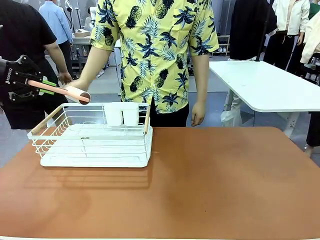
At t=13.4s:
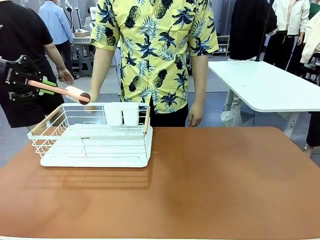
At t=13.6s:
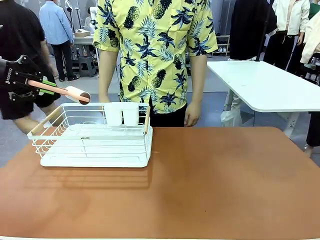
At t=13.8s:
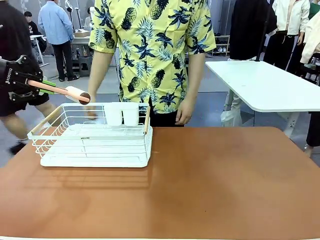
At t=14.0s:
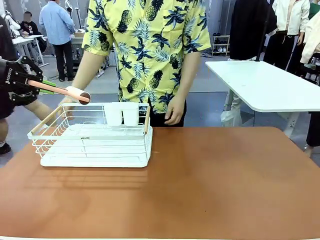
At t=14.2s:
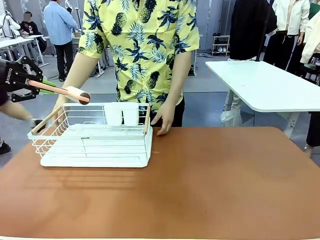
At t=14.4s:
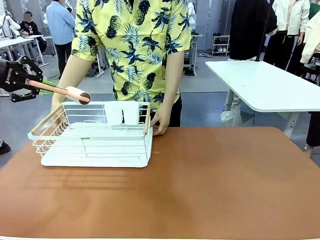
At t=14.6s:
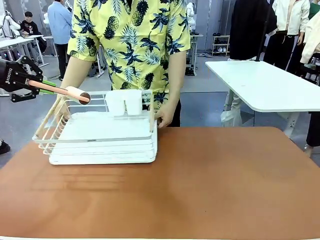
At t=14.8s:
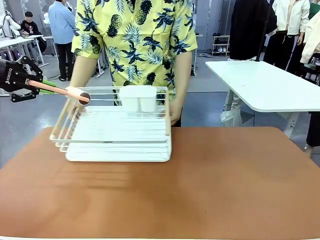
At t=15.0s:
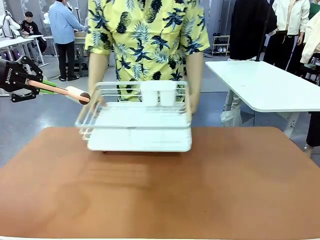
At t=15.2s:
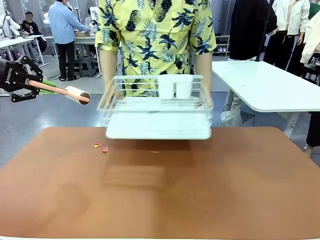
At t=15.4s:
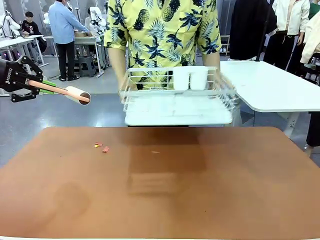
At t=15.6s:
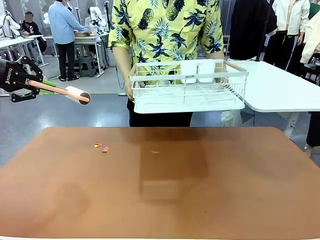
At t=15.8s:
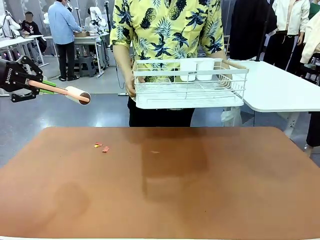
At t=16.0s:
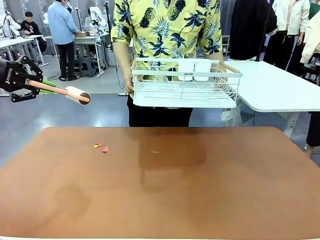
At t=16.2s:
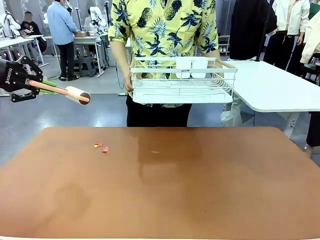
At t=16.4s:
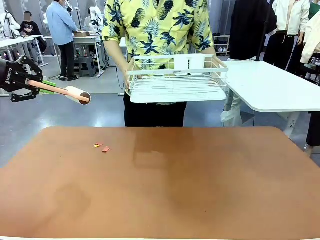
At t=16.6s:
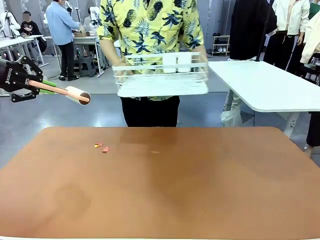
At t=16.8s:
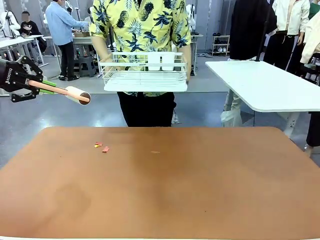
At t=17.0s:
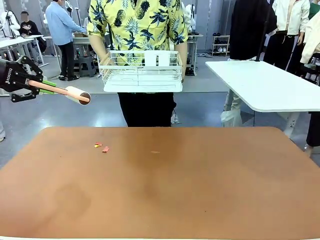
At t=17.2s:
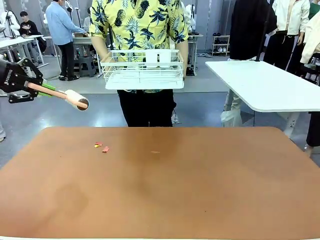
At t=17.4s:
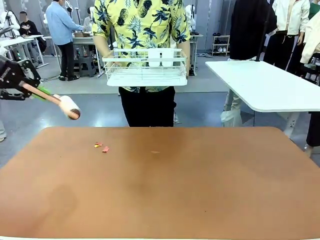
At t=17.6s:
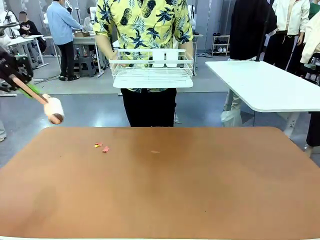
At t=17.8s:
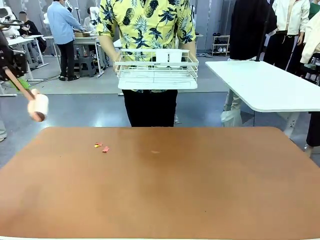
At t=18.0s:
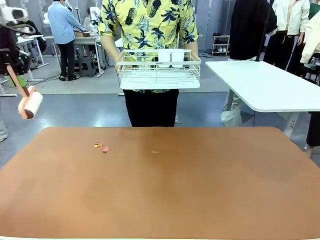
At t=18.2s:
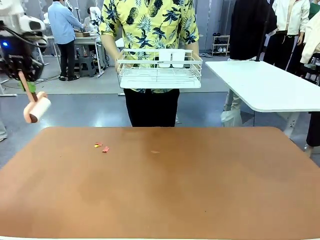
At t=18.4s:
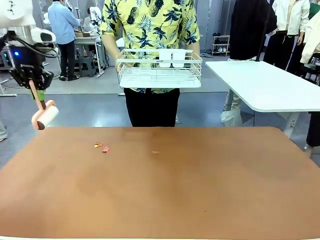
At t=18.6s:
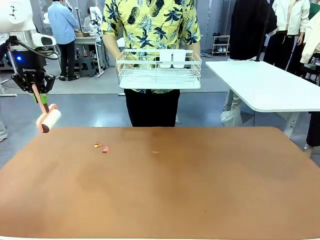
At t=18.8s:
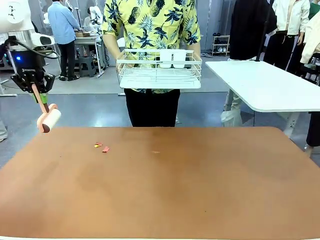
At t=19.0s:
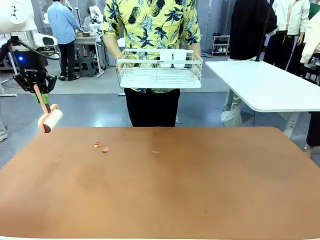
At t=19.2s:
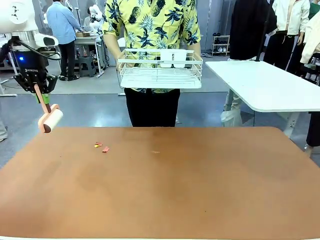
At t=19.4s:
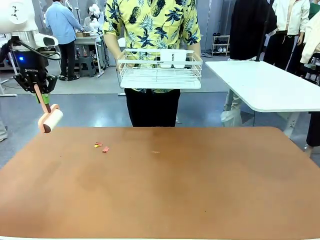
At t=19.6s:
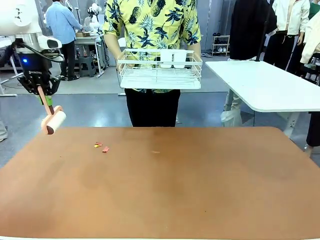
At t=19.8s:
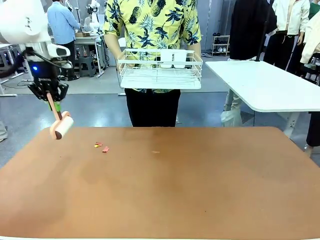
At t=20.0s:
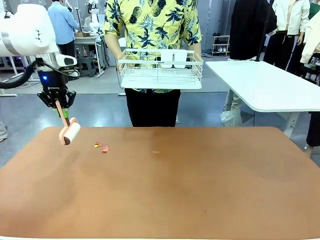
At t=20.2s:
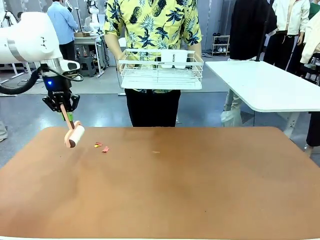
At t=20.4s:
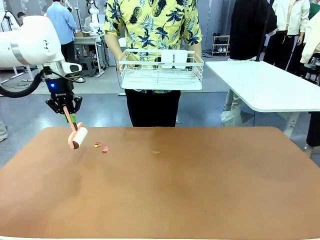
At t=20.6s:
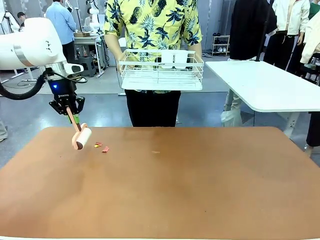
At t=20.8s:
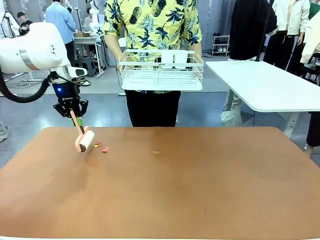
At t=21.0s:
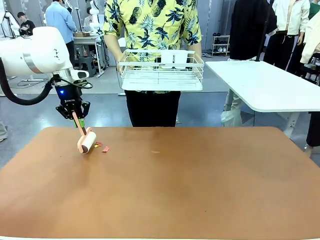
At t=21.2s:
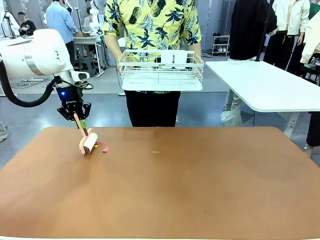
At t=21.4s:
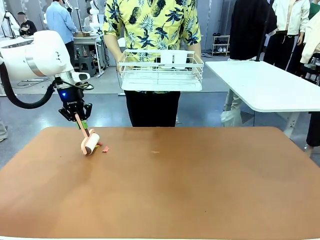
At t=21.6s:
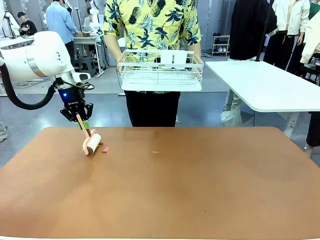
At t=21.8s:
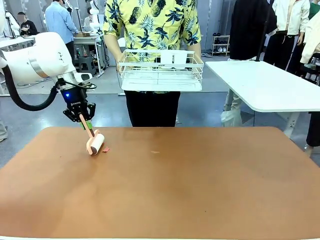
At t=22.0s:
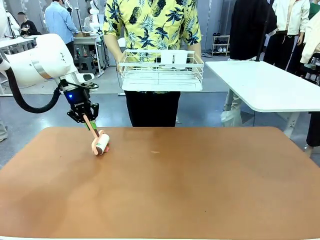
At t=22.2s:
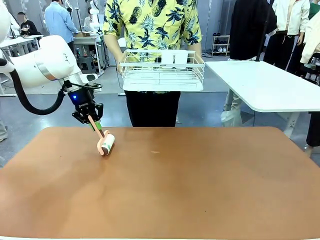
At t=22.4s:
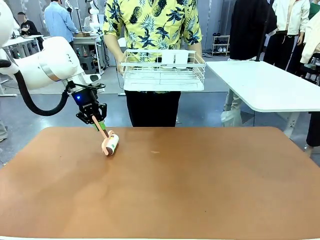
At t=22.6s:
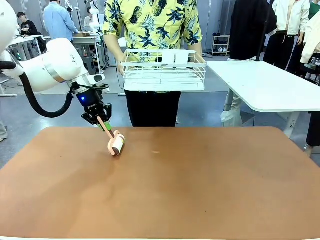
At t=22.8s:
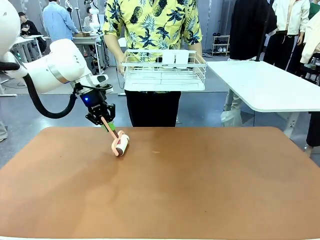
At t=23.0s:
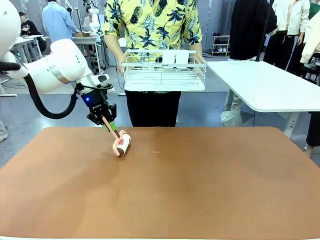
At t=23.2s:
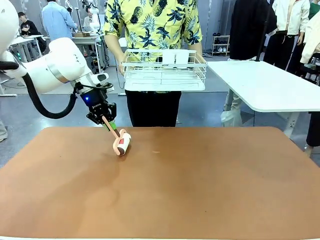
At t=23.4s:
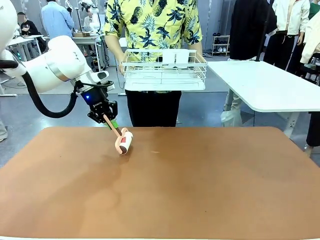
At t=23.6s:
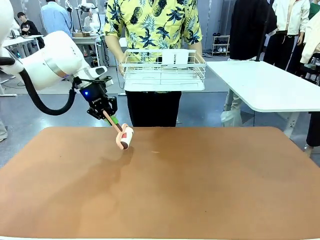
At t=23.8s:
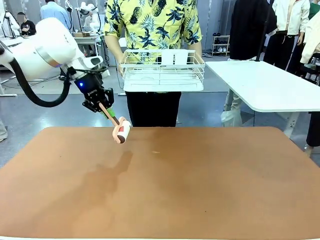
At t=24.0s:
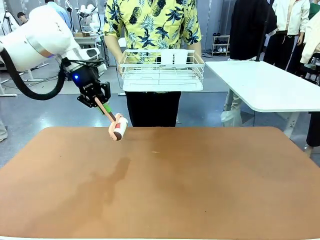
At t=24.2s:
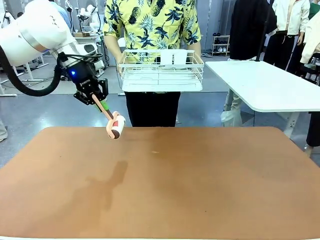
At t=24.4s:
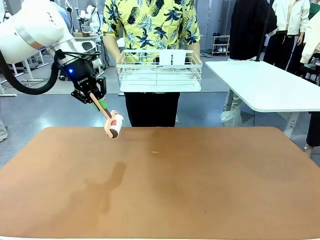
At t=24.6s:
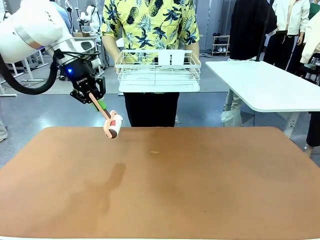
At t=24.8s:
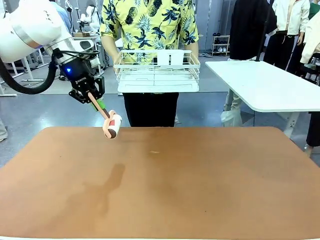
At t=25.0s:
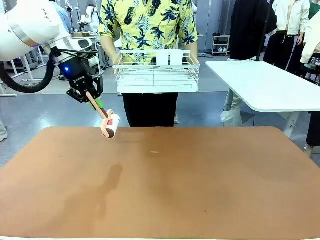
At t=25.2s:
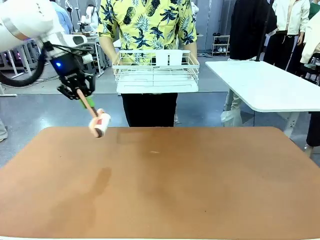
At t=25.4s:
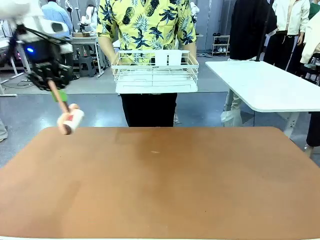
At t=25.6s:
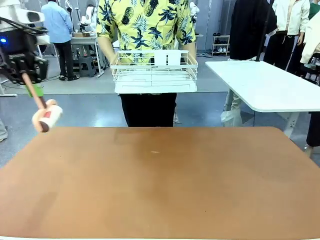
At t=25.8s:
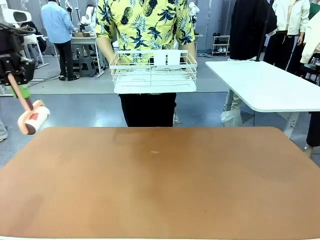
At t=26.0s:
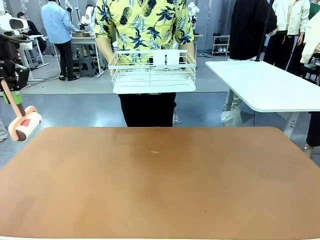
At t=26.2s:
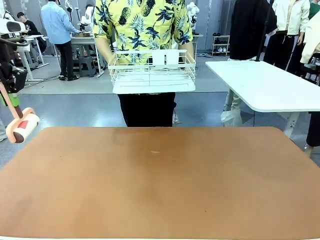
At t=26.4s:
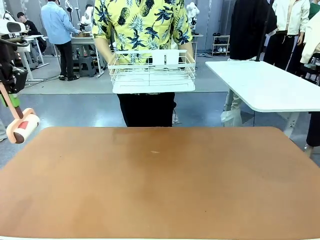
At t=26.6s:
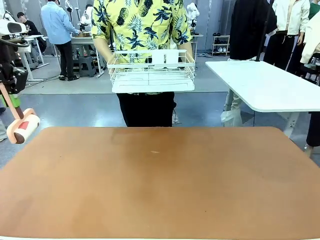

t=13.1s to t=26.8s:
Task: Clean the table.
Robot: Clean the table with the Lint Roller when the human lifts the Dish drying rack.

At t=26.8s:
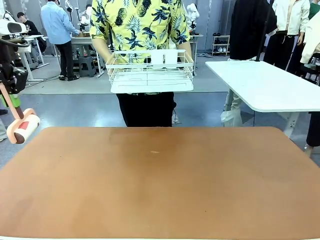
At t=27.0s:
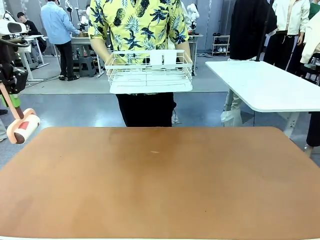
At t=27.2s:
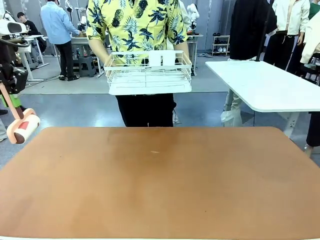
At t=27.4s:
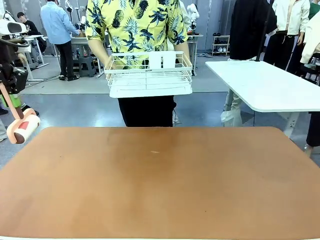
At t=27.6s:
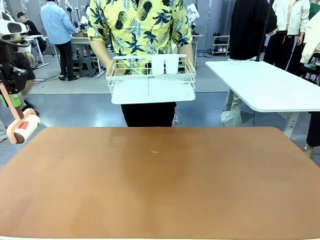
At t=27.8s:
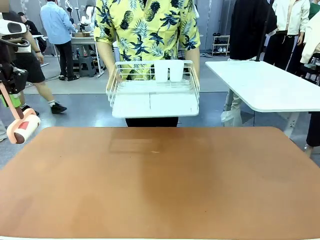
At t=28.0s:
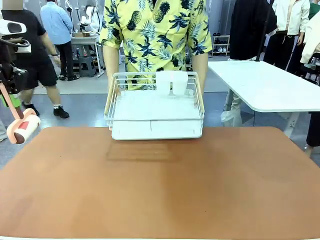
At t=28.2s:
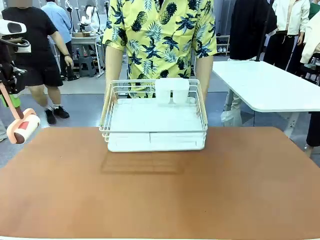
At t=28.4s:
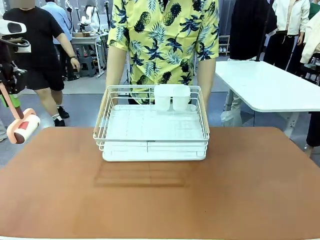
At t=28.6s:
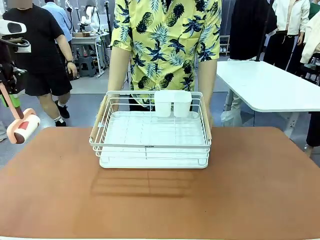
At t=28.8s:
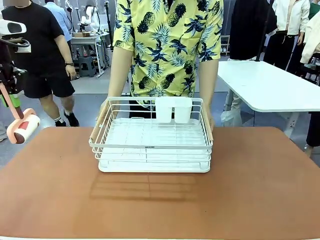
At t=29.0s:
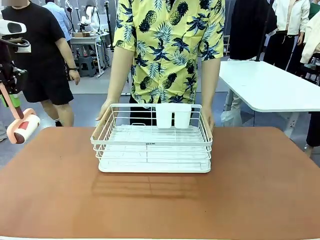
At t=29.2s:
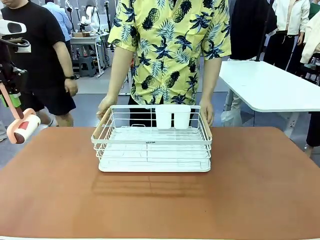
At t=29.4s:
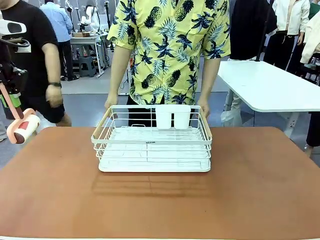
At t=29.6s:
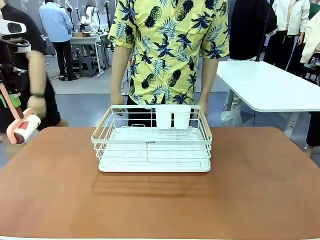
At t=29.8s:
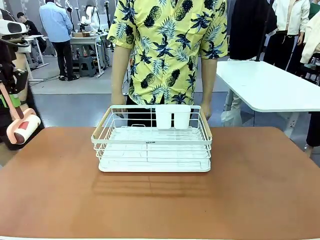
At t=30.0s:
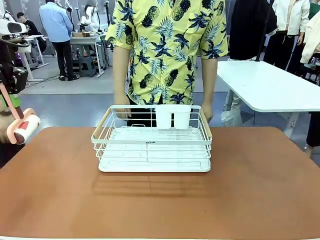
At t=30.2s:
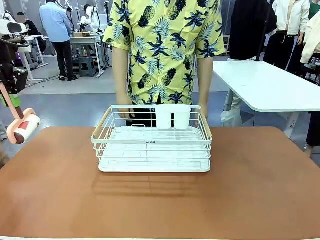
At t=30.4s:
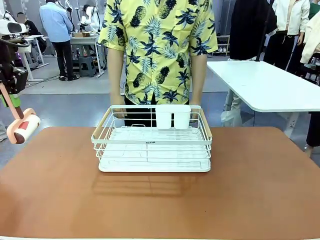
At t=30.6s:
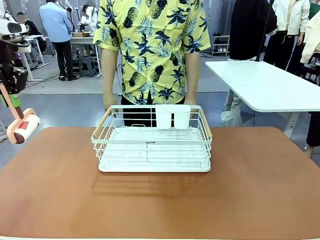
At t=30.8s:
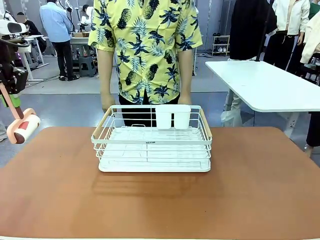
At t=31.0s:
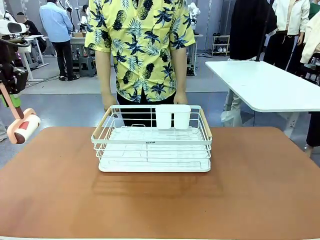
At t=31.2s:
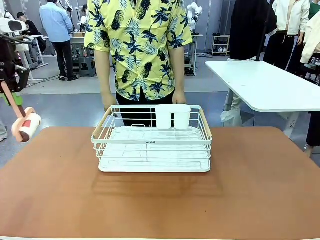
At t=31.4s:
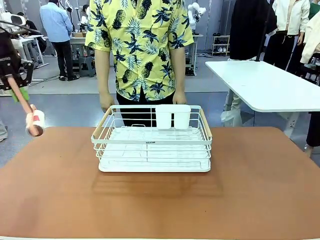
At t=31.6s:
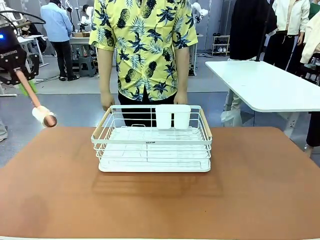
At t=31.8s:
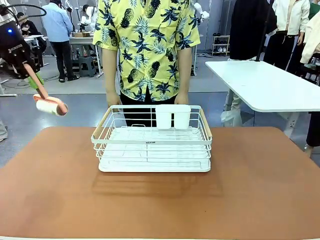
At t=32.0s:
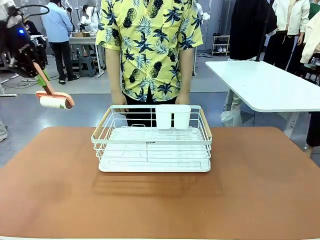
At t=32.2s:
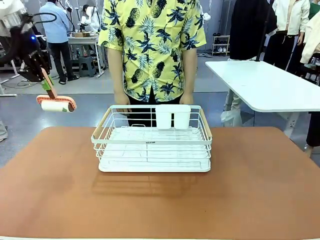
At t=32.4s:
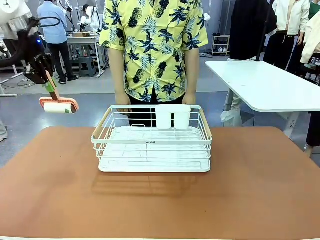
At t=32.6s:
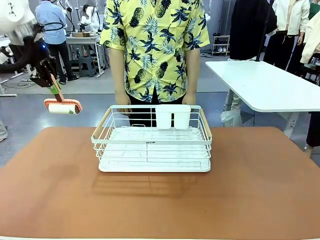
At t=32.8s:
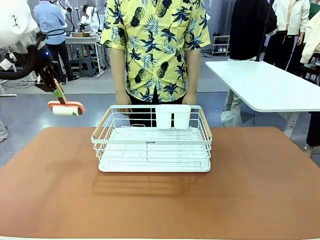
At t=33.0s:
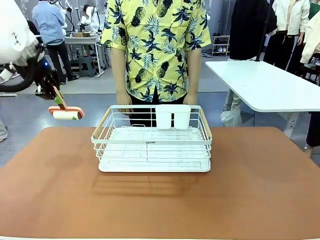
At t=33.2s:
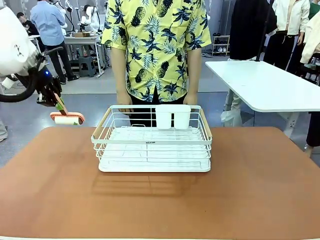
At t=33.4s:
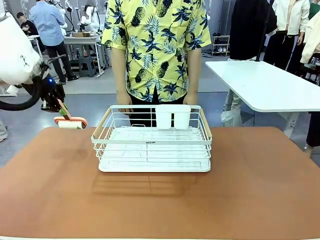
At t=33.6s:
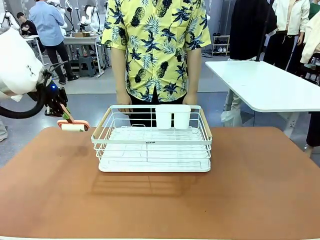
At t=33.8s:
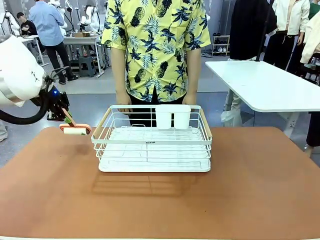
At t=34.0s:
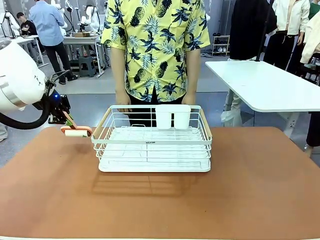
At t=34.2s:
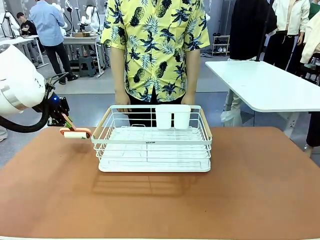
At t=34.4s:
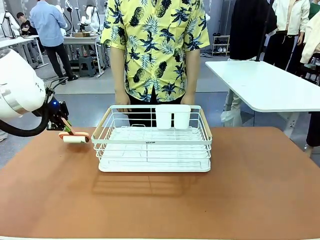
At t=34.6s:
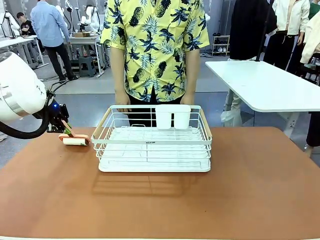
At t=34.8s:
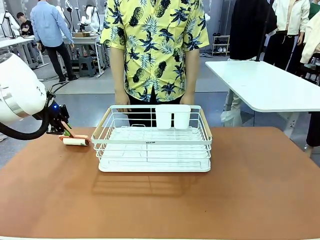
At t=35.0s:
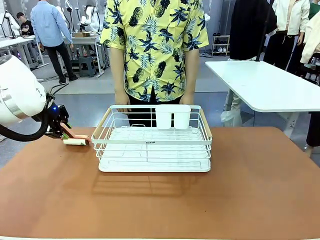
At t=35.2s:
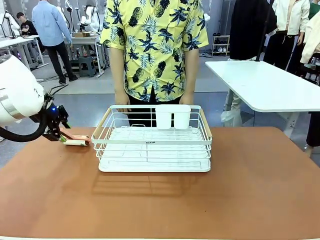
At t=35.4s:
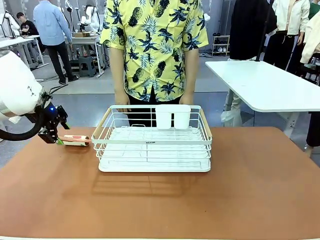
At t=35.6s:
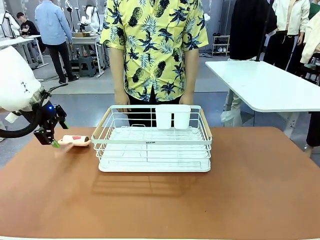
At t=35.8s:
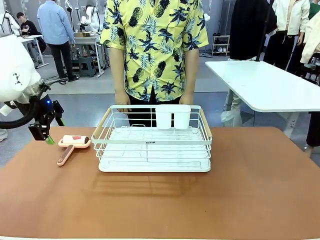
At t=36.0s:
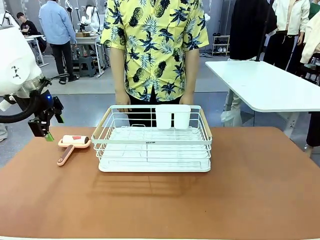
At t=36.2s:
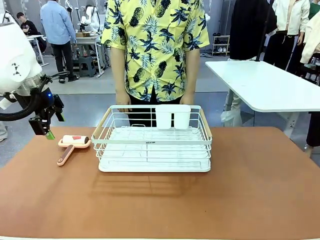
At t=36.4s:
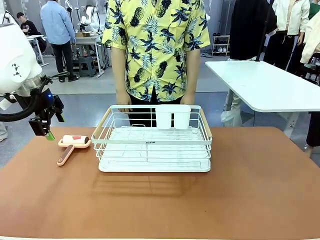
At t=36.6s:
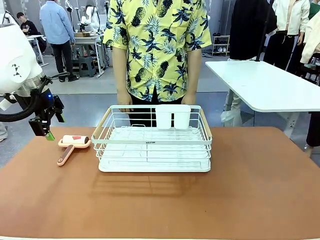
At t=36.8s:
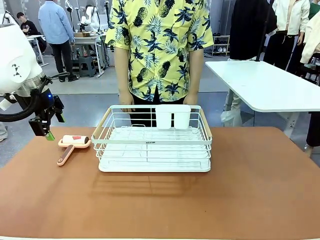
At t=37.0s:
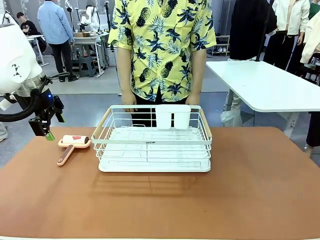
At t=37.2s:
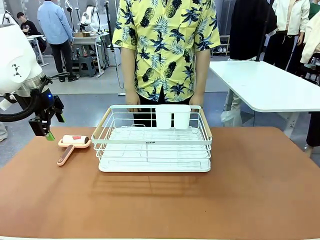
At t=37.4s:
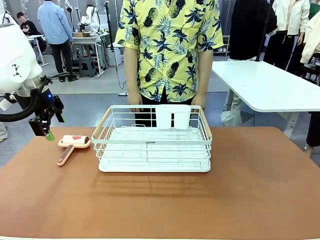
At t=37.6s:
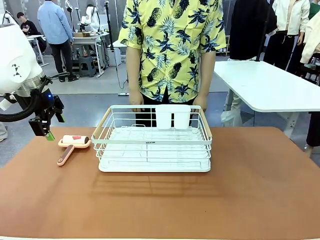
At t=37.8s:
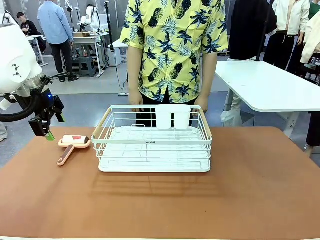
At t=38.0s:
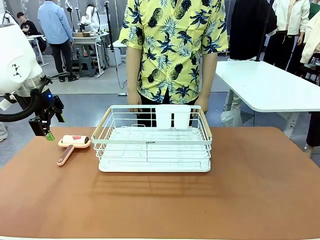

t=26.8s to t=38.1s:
Robot: Place the Lint Roller down when the Dish drying rack is positioned in the middle of the table.
